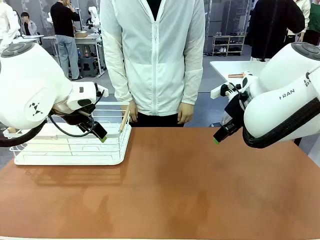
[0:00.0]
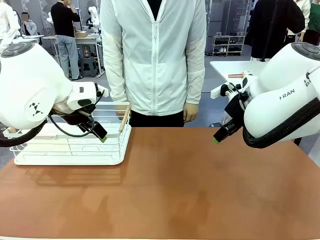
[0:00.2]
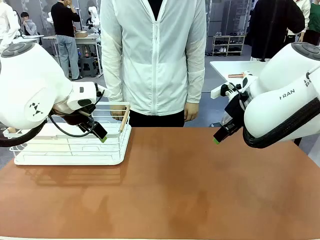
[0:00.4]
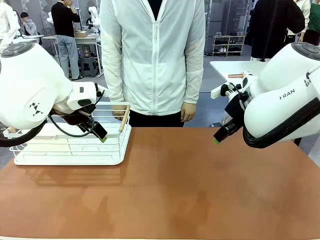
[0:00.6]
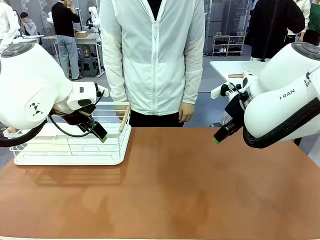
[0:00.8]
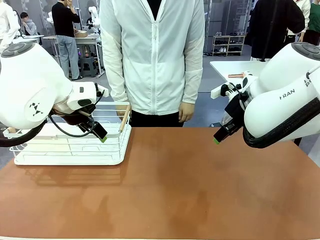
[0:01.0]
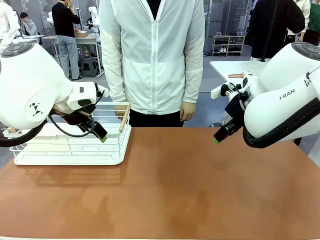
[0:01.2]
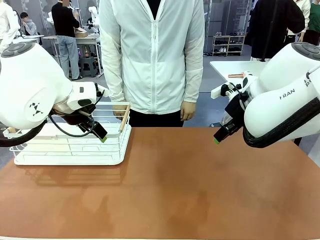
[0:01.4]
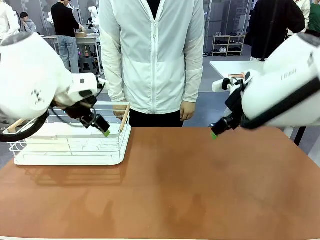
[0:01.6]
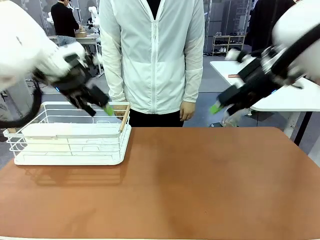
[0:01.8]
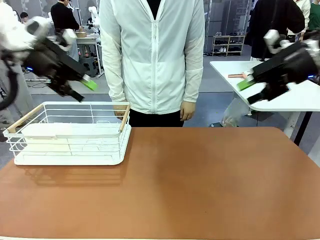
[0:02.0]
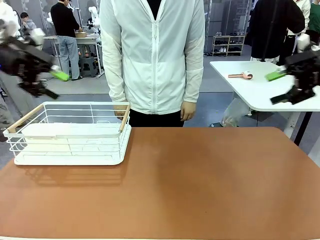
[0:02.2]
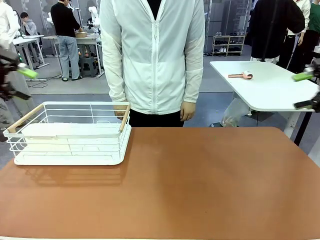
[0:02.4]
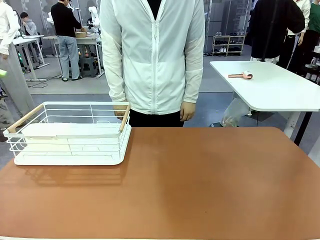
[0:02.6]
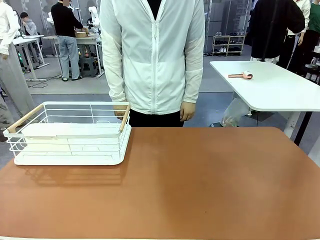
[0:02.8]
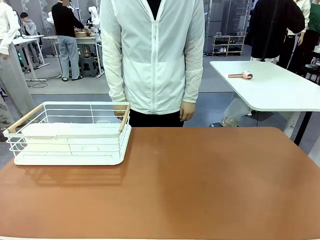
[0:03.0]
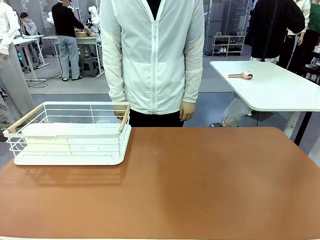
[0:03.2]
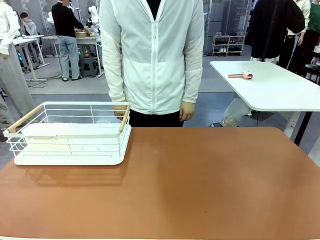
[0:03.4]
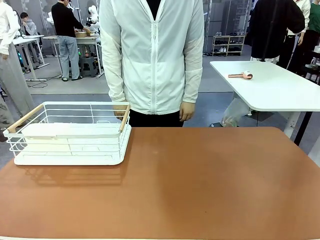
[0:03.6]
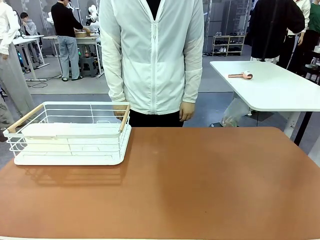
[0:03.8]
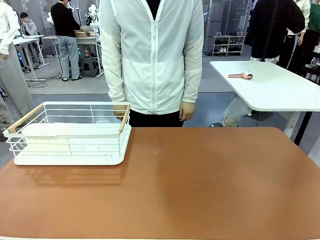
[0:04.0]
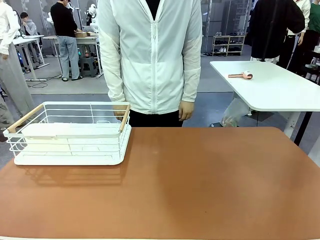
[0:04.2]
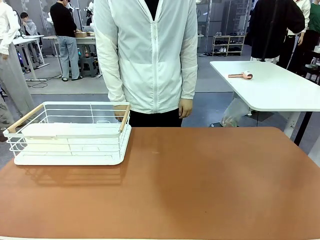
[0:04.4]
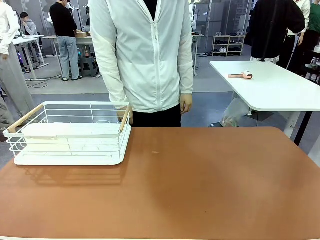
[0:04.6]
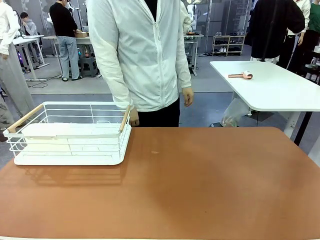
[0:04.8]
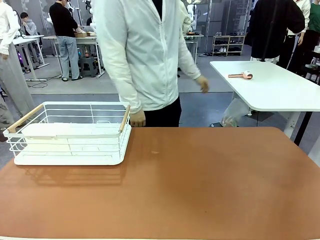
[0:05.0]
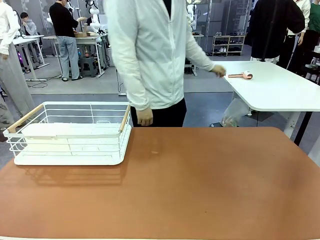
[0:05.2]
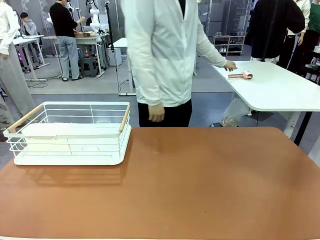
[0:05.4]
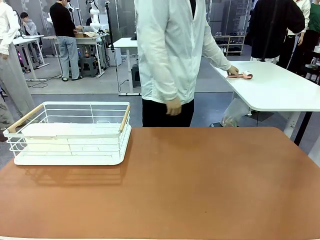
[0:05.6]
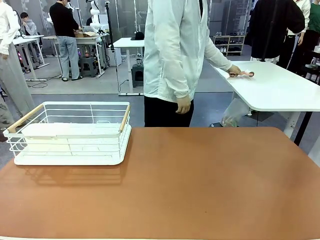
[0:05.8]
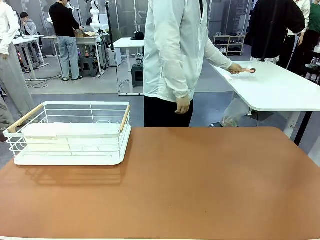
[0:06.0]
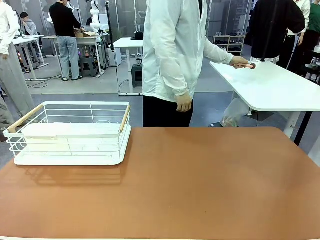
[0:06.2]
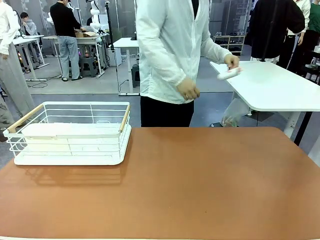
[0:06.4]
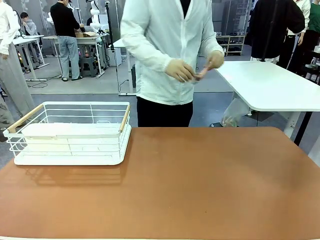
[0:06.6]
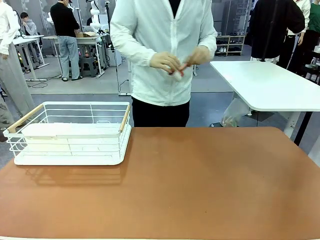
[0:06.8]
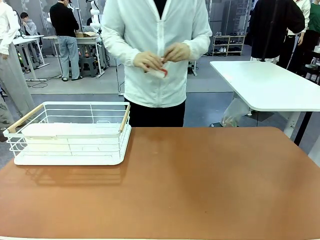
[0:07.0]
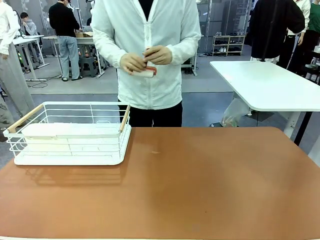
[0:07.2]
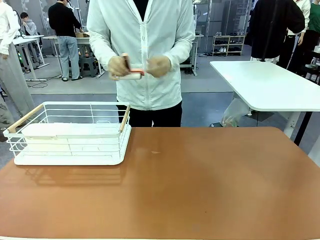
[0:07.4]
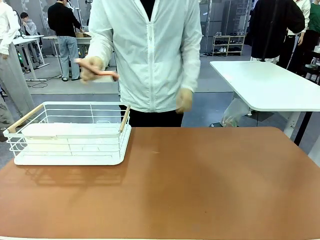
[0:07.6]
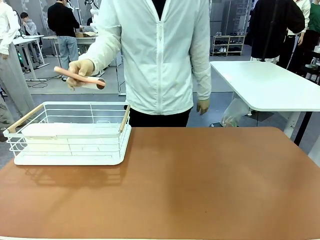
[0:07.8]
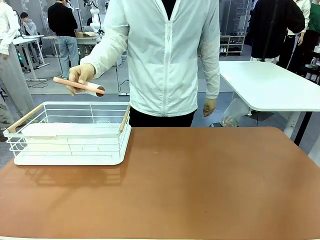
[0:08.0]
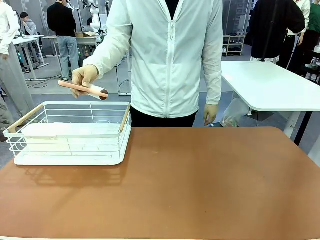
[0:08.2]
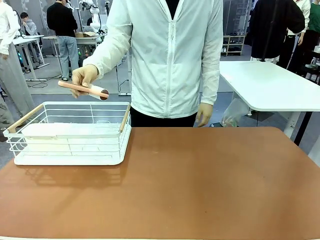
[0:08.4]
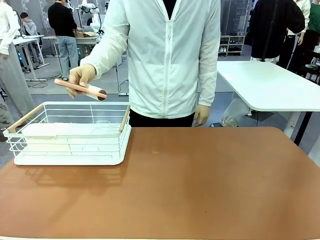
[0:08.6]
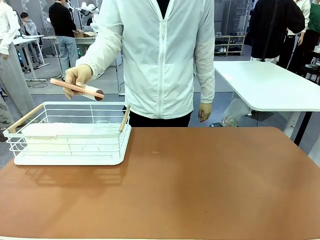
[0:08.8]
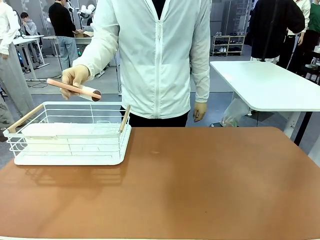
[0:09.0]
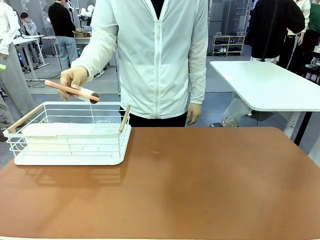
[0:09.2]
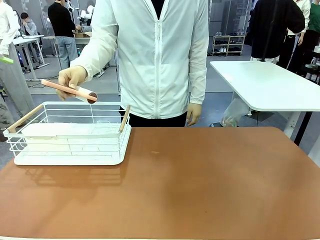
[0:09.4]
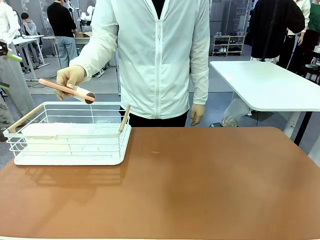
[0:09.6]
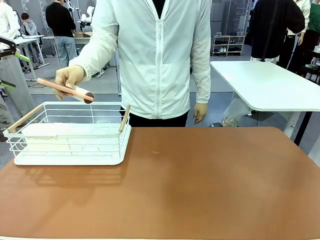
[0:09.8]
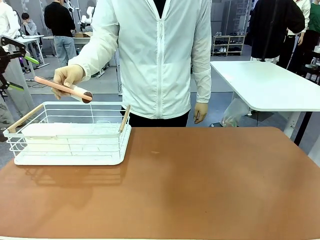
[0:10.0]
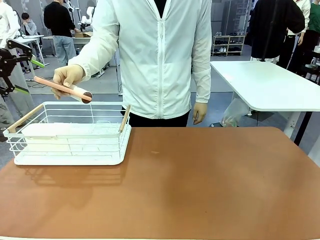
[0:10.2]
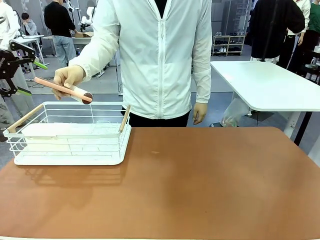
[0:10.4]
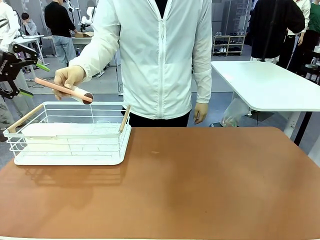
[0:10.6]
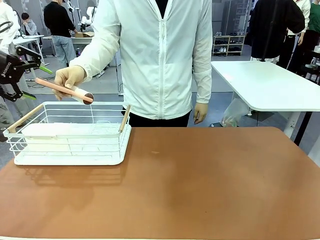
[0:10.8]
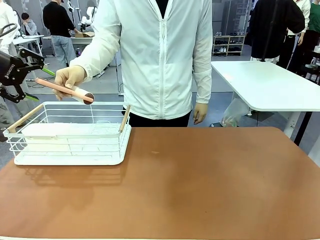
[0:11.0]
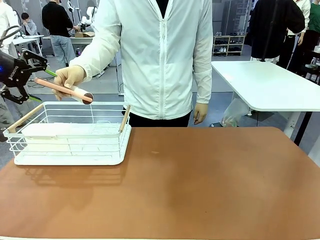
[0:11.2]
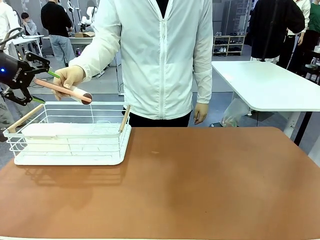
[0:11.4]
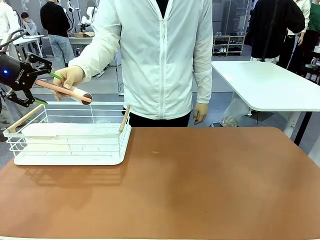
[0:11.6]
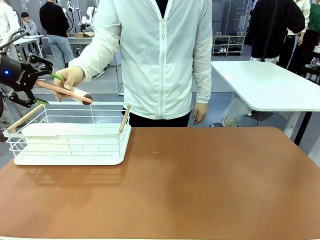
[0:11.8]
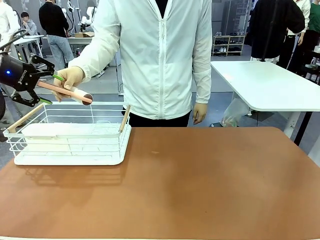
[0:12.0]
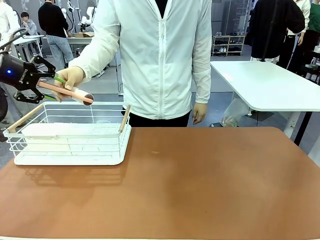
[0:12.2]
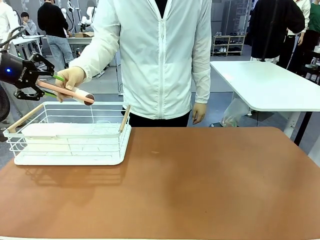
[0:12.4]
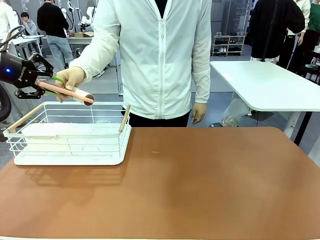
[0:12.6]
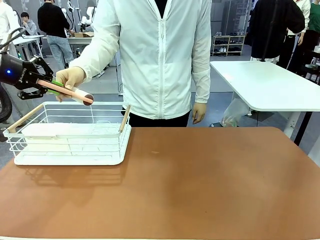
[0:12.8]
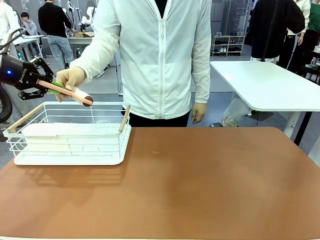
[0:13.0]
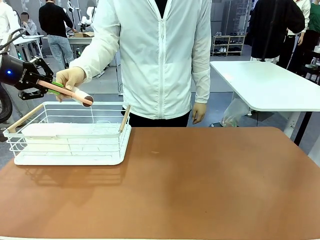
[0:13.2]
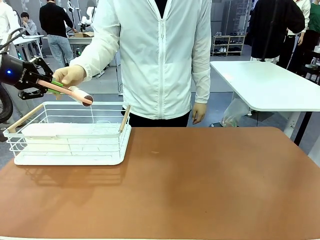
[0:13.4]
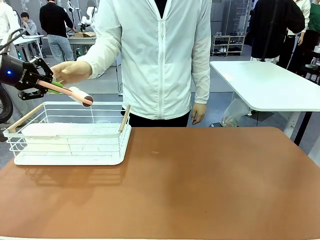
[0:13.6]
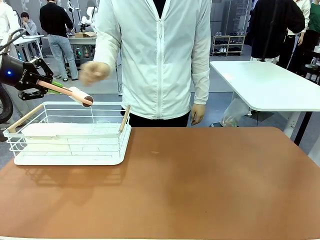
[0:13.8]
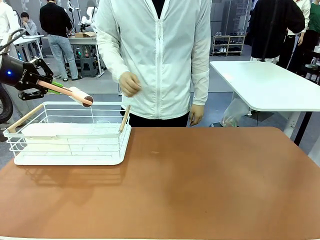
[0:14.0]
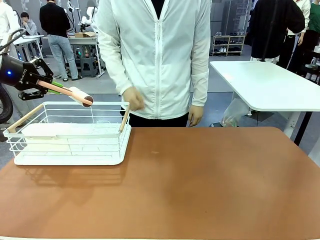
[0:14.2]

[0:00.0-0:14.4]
Task: Clean the table.
Robot: Pick up the Lint Roller when the human hands it over.
Person: Hand the Lint Roller to the robot so it can easily pick it up. Lift the Dish drying rack.
